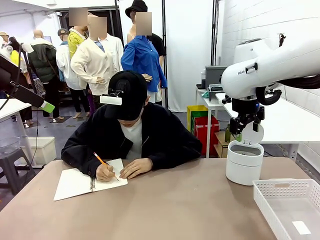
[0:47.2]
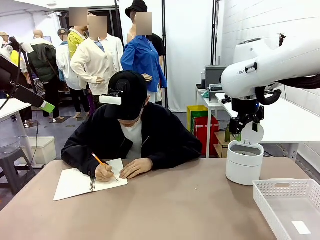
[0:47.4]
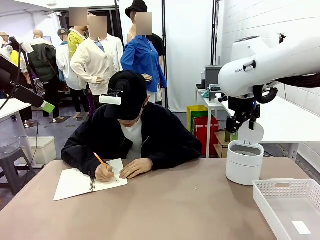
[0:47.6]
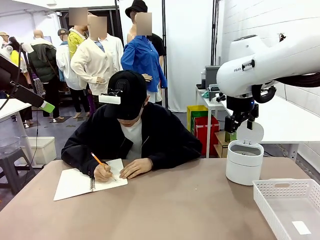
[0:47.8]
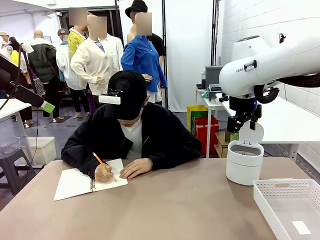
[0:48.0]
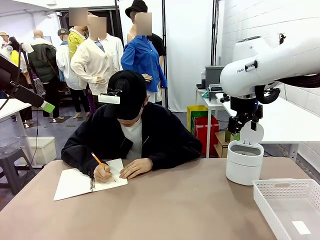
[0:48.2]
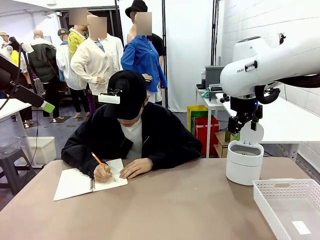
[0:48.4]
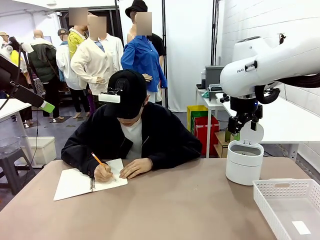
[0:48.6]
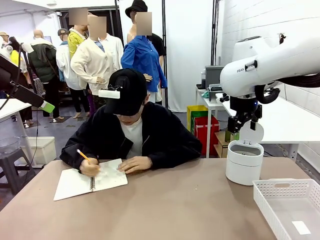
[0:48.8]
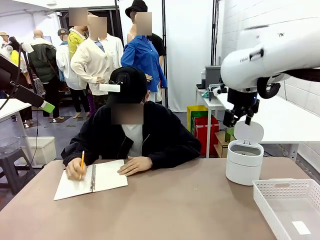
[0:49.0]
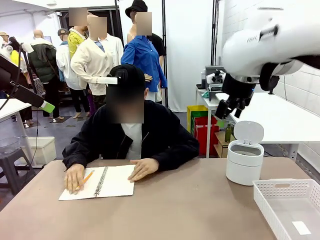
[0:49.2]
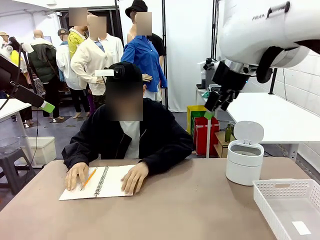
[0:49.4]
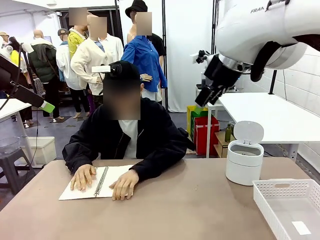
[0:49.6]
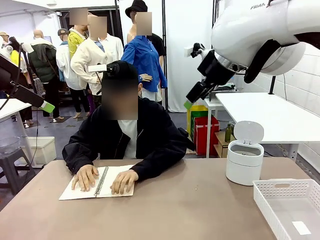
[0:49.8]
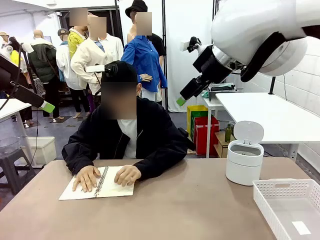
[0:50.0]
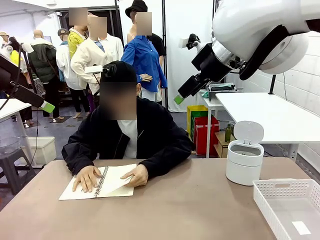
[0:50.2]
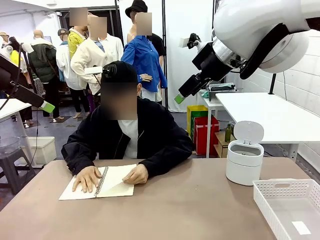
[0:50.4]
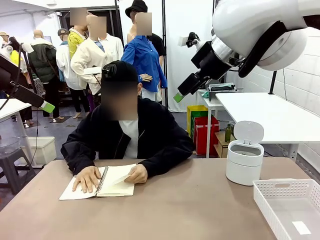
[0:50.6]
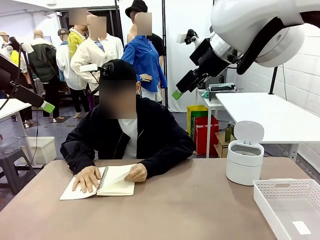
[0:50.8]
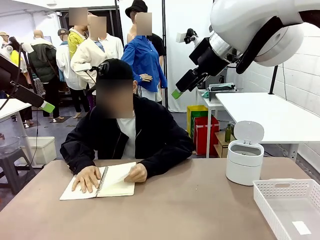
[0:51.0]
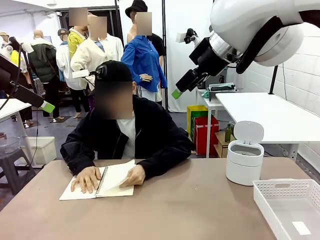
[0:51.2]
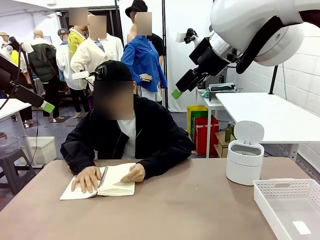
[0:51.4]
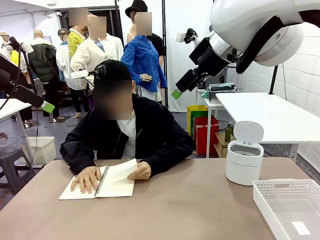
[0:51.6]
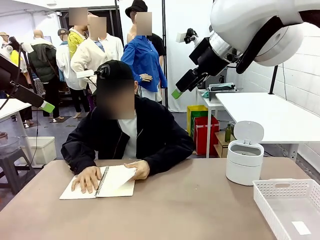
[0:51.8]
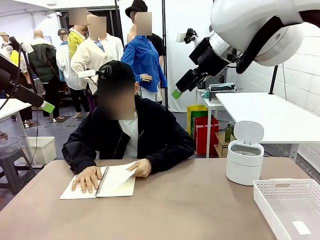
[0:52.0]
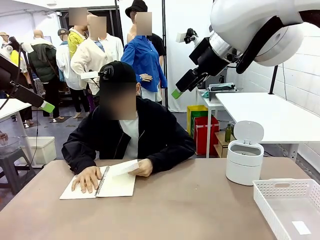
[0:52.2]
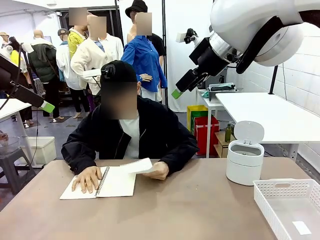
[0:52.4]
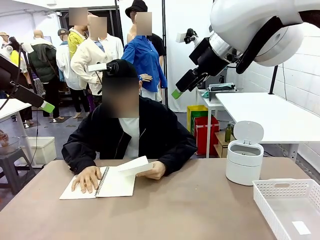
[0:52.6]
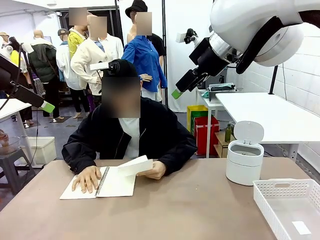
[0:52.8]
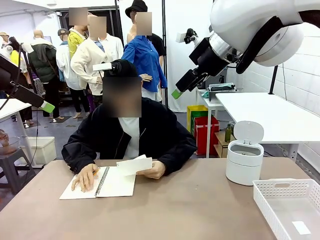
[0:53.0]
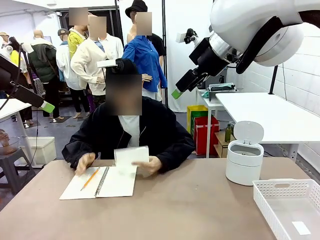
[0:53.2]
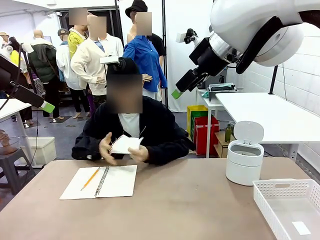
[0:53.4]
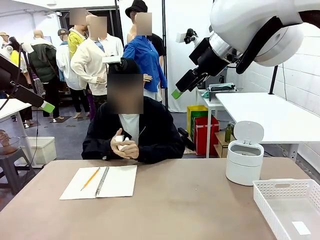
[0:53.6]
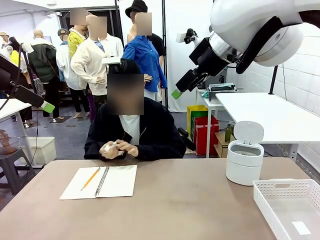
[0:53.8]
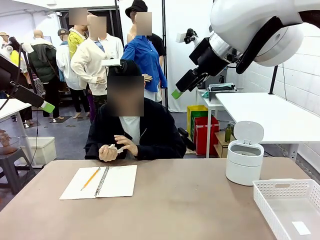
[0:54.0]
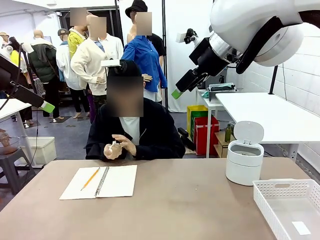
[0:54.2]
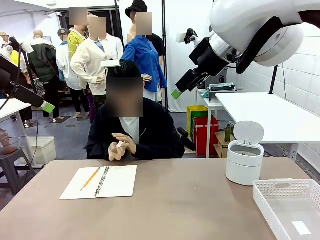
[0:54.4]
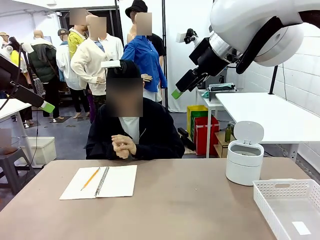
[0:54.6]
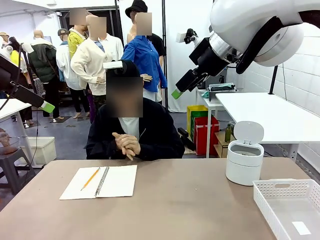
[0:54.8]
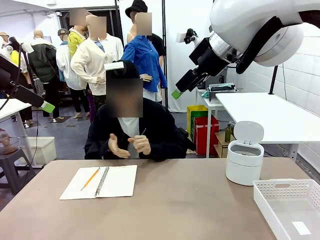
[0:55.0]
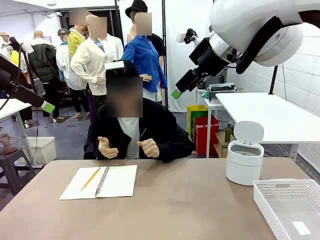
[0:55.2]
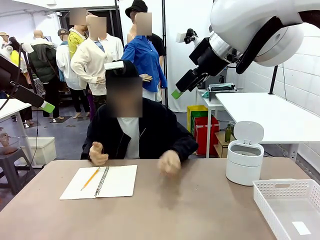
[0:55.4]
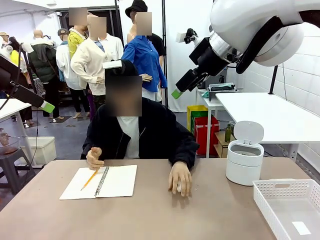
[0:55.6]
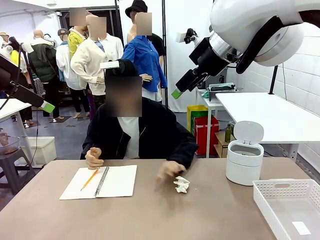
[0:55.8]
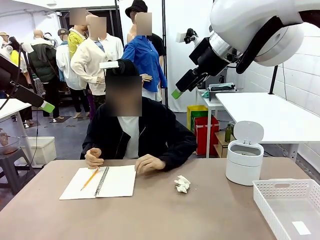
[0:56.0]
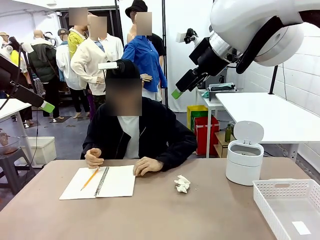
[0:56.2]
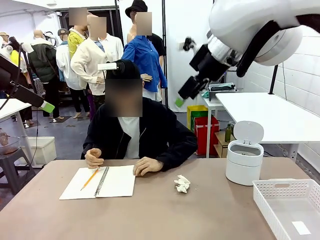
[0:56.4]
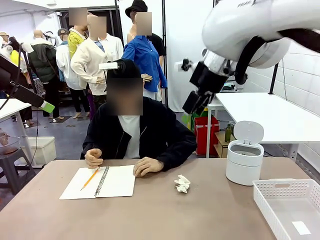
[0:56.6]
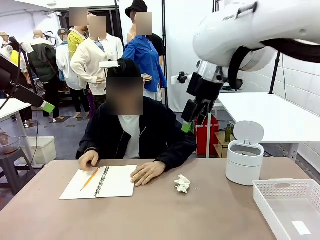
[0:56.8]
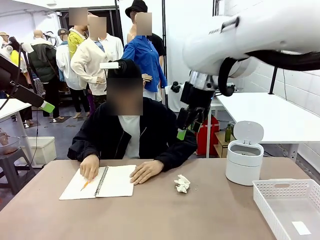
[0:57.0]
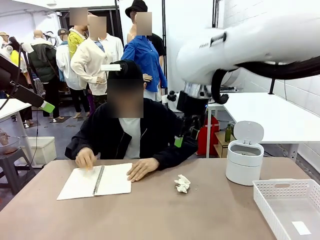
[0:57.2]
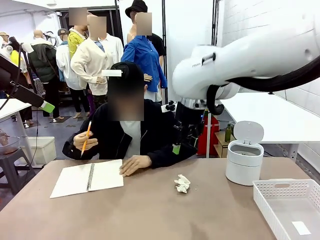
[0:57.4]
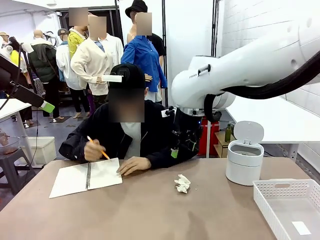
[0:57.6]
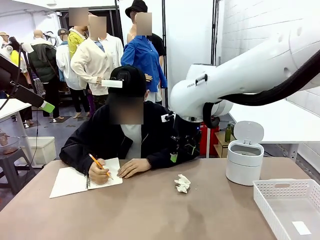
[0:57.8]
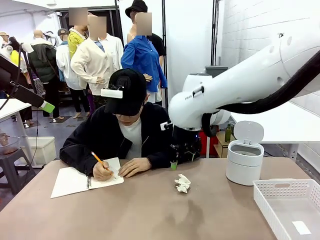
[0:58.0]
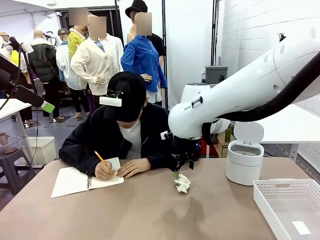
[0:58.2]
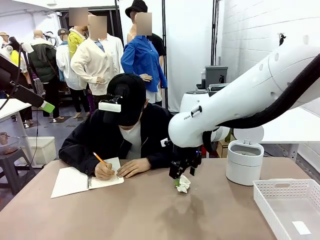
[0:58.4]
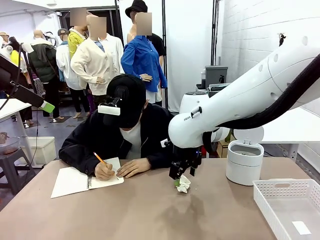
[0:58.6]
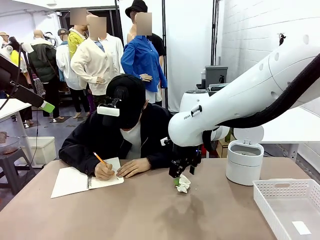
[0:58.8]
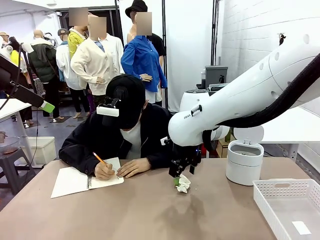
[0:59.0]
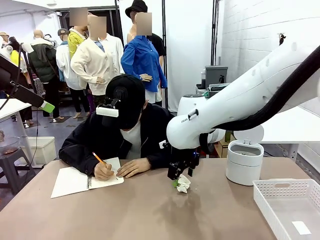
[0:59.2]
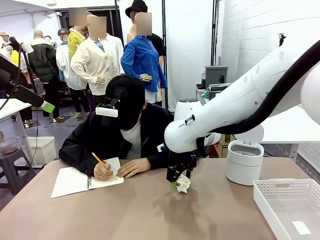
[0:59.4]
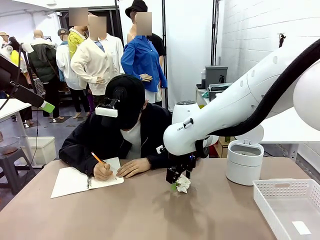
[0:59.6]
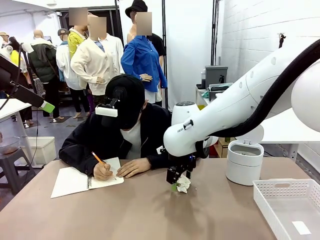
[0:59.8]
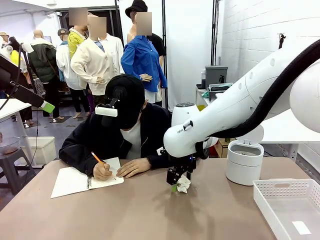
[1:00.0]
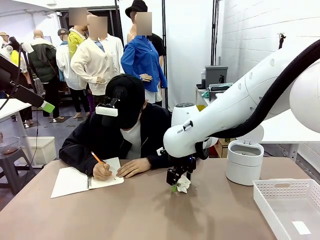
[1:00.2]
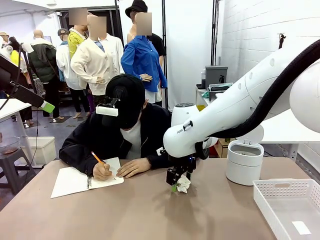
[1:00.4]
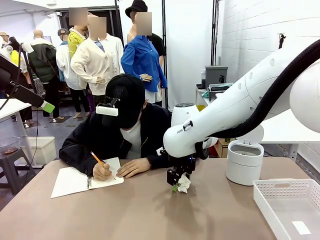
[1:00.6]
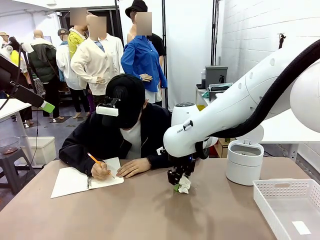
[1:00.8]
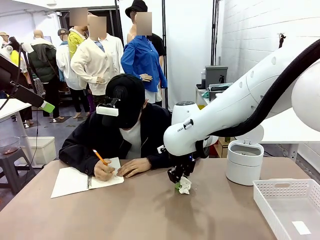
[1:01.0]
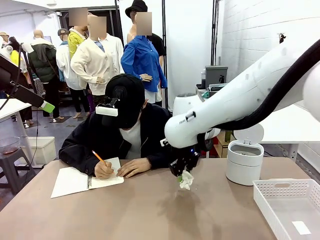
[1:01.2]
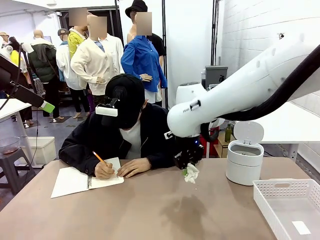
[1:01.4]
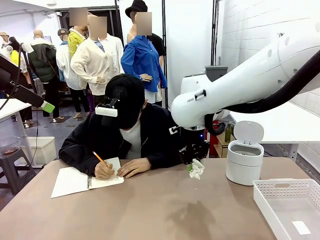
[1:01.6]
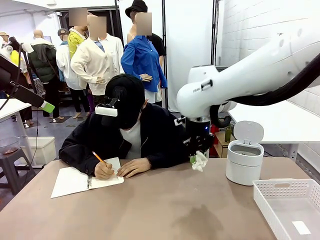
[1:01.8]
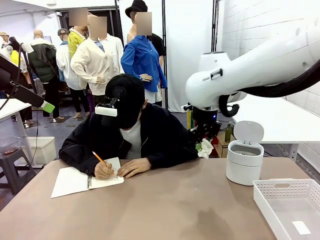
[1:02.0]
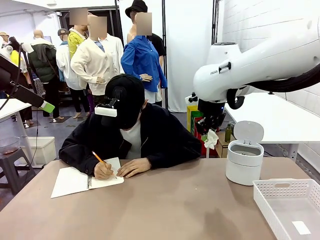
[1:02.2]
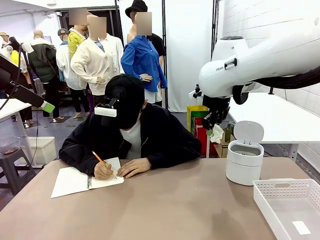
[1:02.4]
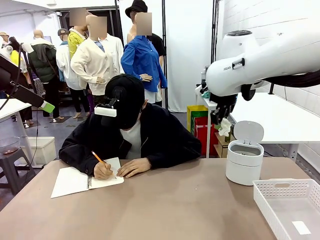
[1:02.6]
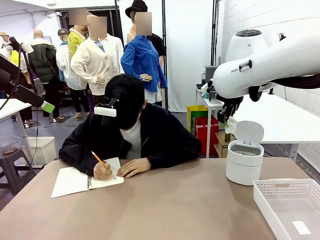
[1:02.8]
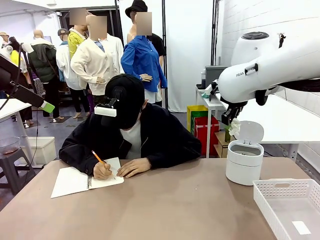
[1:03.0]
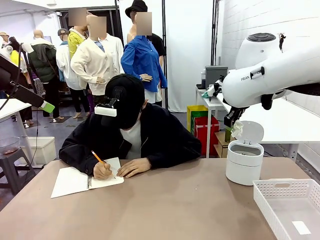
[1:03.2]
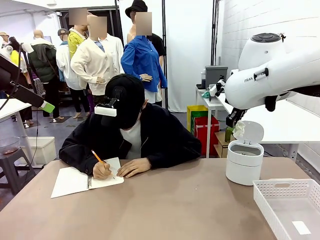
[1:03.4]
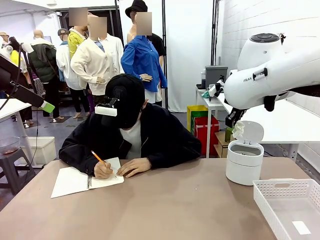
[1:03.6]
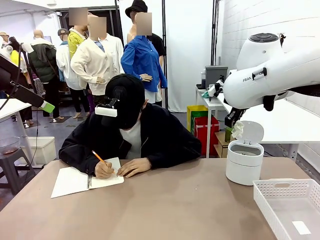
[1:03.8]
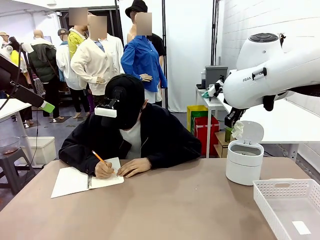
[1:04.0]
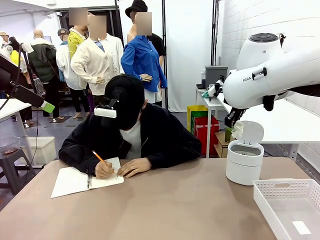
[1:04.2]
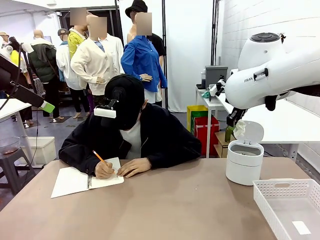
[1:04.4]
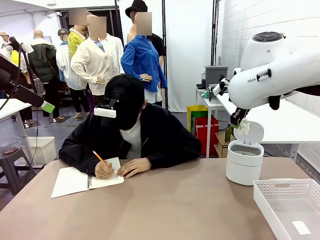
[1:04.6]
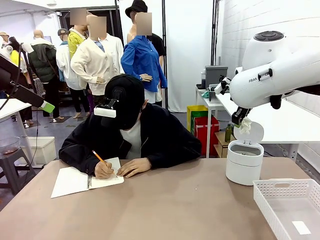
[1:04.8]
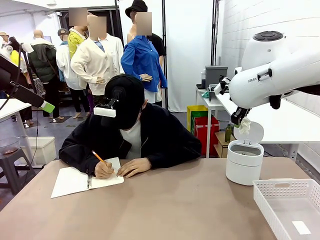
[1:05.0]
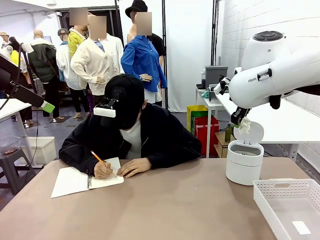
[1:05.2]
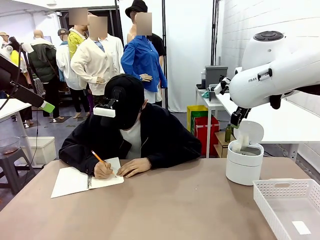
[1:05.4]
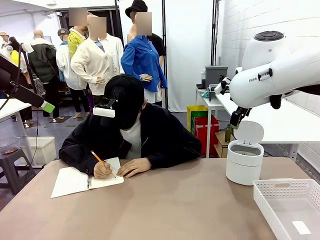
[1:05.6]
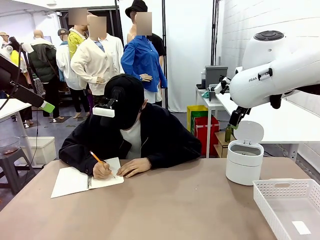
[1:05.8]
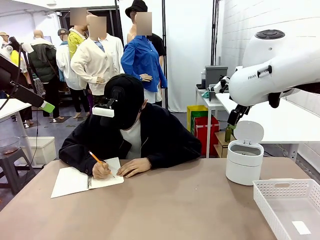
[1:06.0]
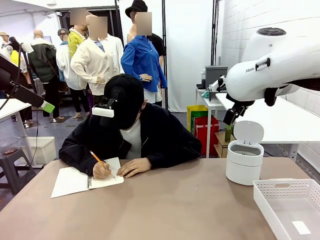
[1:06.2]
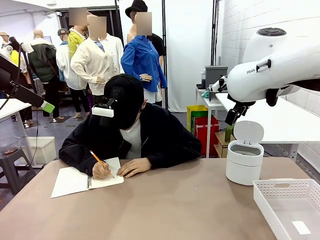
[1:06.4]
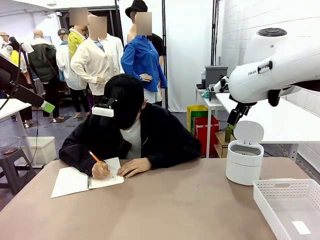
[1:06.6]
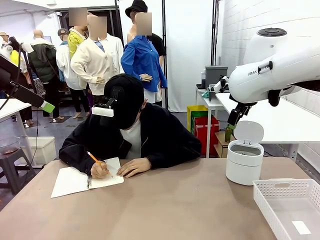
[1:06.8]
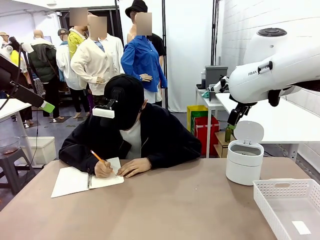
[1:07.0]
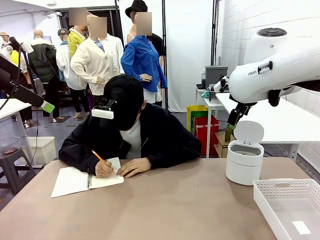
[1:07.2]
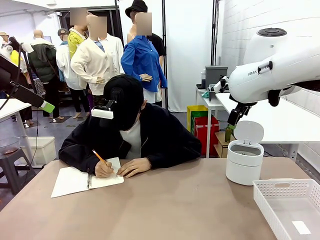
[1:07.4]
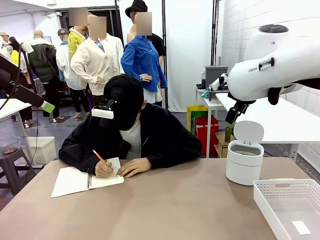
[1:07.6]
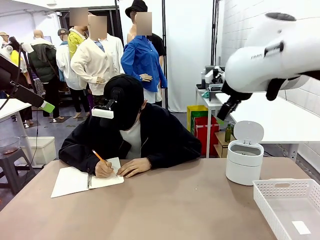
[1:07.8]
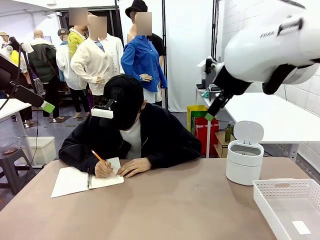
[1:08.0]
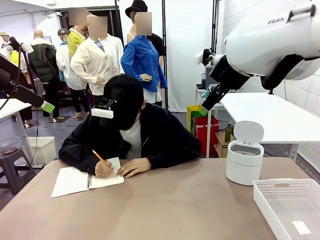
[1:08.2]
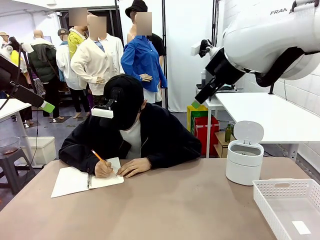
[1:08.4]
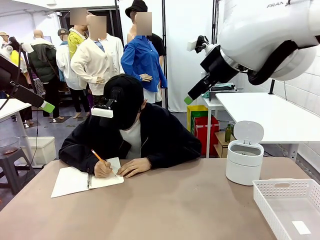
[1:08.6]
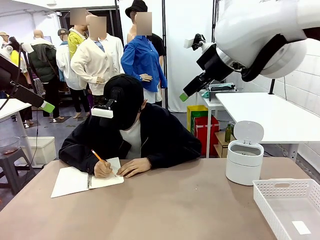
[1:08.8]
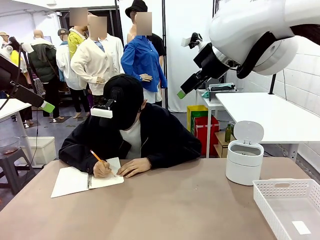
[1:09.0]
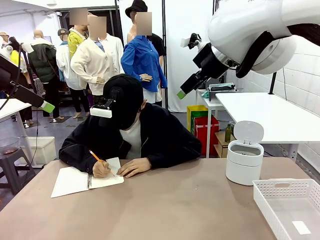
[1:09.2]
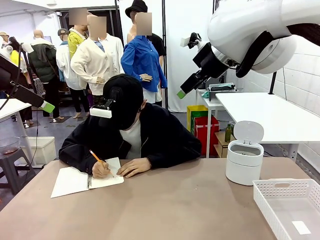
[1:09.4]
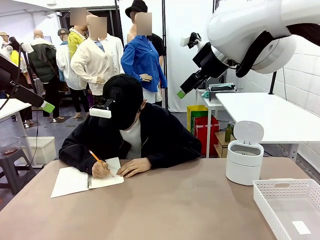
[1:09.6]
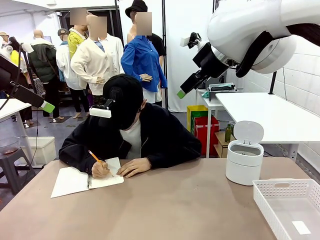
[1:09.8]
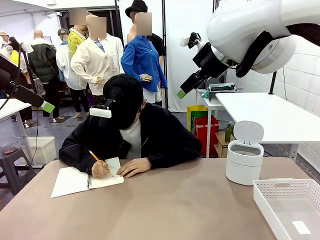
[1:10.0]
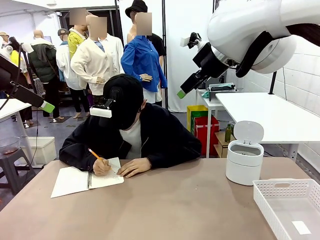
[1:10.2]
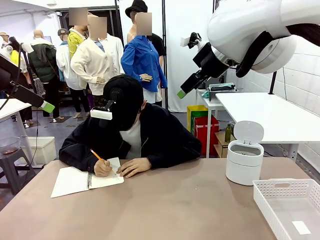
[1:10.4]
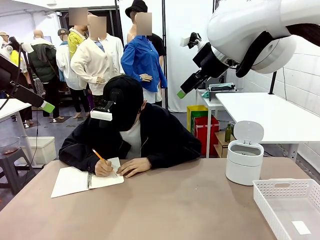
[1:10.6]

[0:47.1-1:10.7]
Task: Sort the paper based on its condition.
Robot: If a person hands you a paper, place it in the Organizing basket , and if it's crumpled, put it in the Trash can.
Person: Hand the torn page to the robot or crumple it and throw it to the center of the table.
